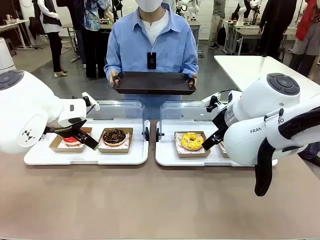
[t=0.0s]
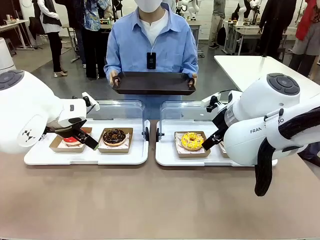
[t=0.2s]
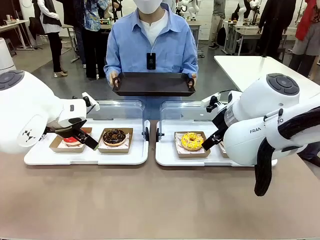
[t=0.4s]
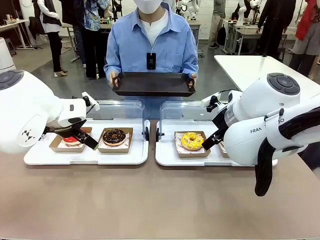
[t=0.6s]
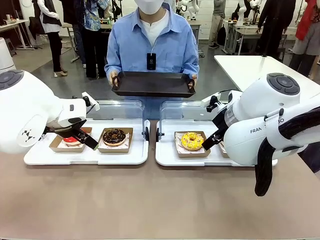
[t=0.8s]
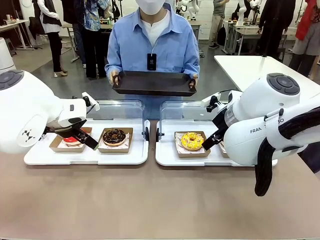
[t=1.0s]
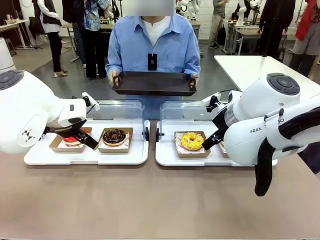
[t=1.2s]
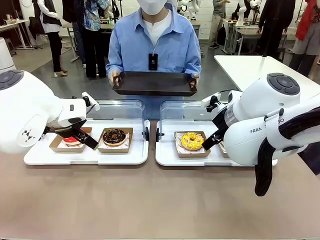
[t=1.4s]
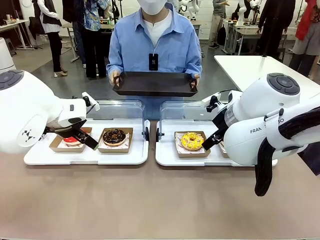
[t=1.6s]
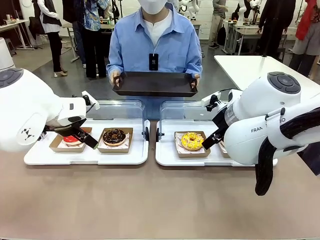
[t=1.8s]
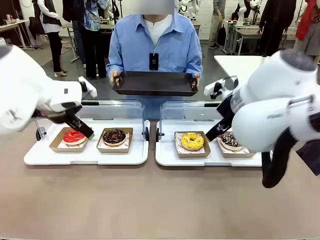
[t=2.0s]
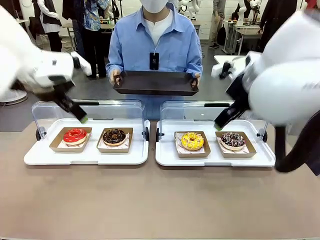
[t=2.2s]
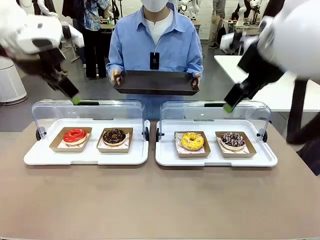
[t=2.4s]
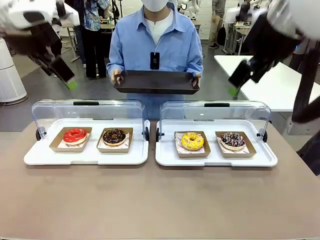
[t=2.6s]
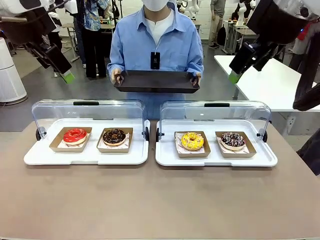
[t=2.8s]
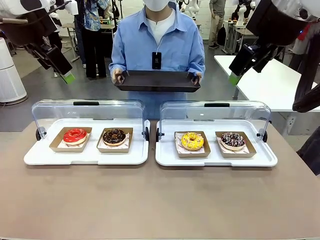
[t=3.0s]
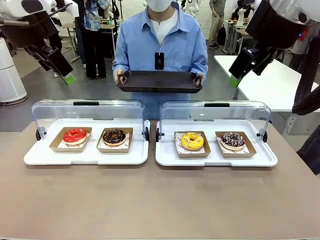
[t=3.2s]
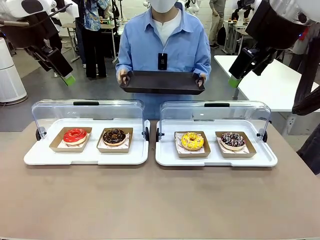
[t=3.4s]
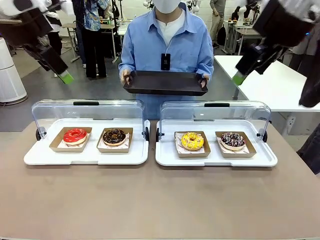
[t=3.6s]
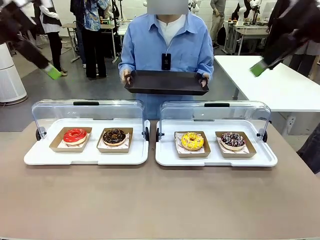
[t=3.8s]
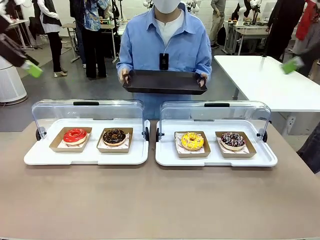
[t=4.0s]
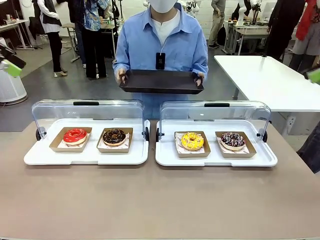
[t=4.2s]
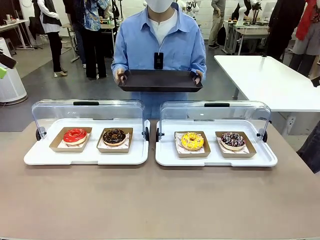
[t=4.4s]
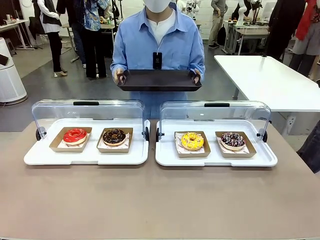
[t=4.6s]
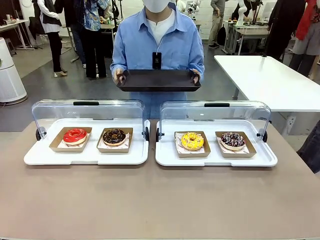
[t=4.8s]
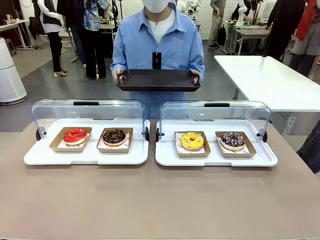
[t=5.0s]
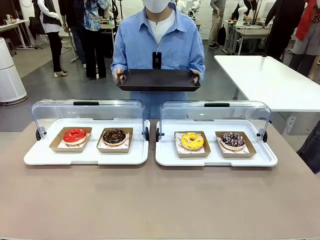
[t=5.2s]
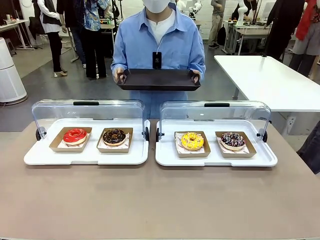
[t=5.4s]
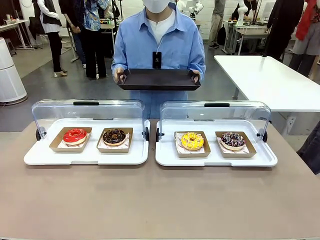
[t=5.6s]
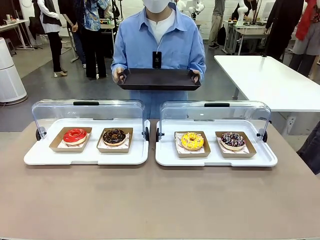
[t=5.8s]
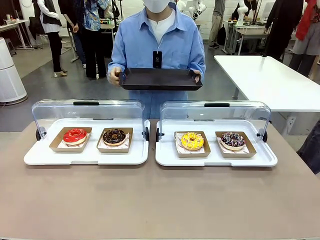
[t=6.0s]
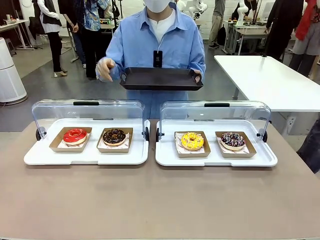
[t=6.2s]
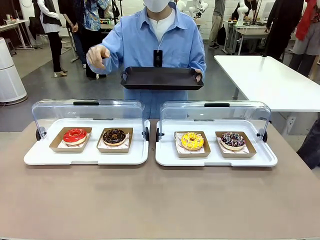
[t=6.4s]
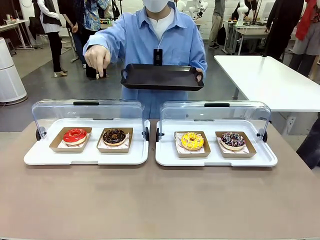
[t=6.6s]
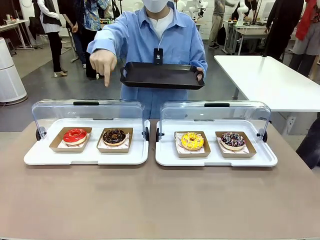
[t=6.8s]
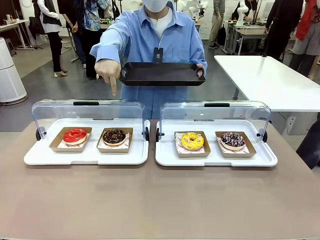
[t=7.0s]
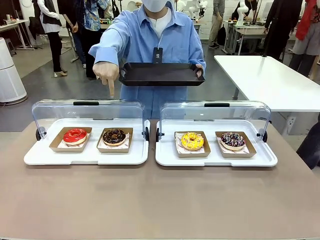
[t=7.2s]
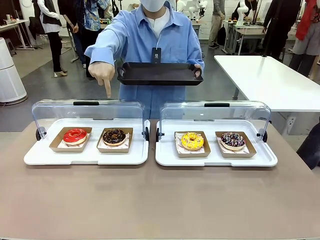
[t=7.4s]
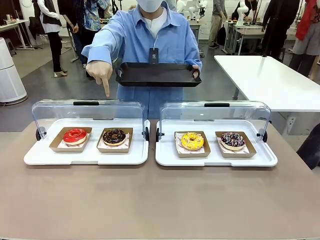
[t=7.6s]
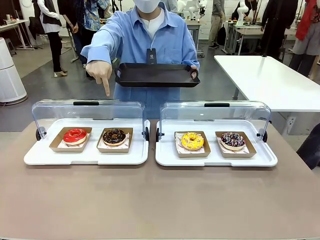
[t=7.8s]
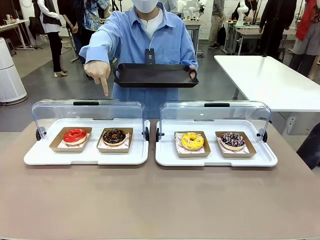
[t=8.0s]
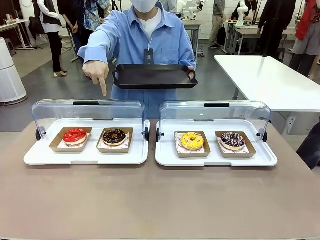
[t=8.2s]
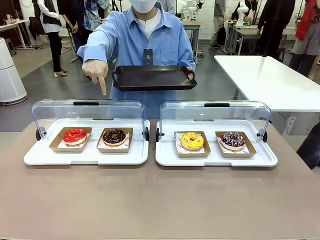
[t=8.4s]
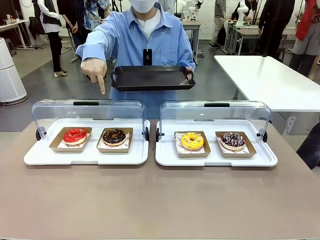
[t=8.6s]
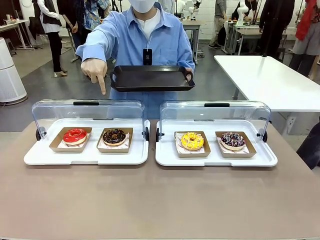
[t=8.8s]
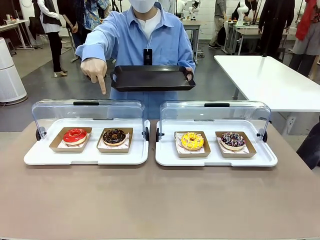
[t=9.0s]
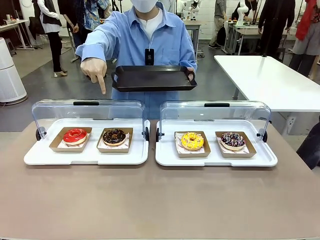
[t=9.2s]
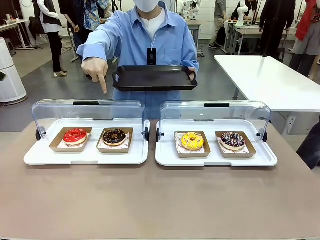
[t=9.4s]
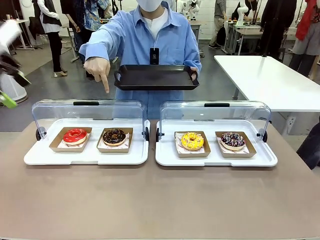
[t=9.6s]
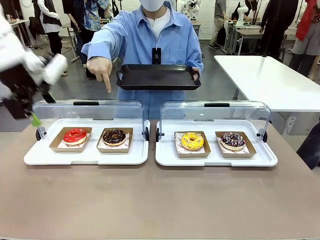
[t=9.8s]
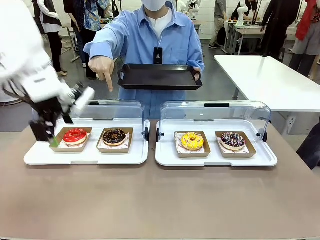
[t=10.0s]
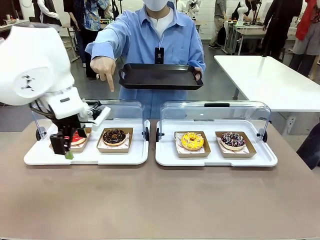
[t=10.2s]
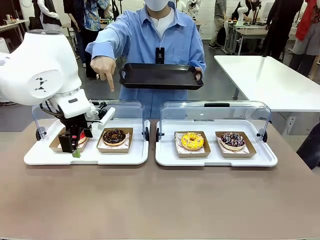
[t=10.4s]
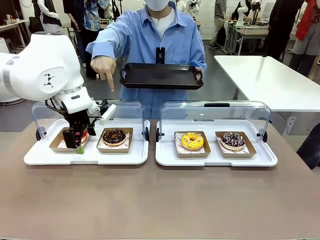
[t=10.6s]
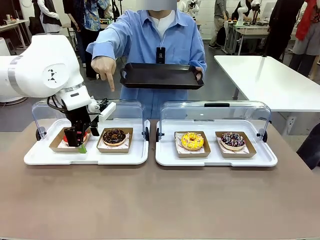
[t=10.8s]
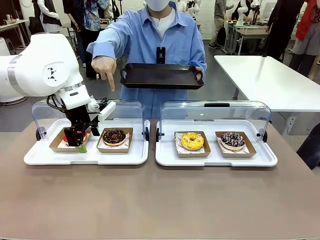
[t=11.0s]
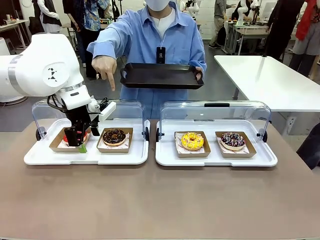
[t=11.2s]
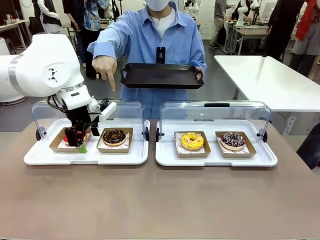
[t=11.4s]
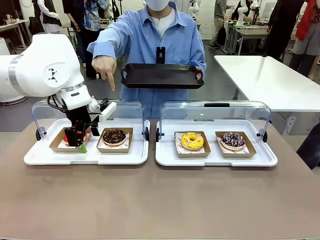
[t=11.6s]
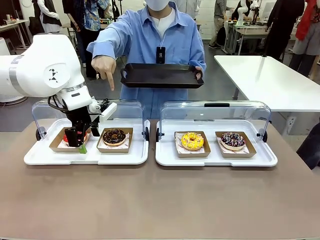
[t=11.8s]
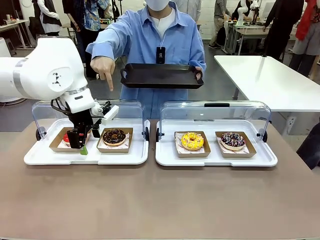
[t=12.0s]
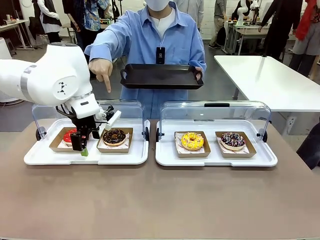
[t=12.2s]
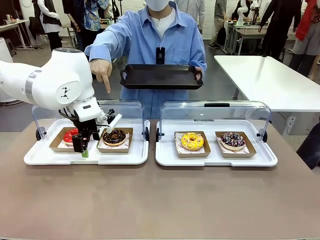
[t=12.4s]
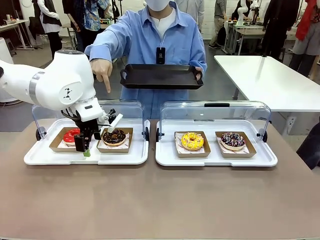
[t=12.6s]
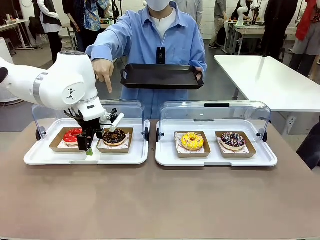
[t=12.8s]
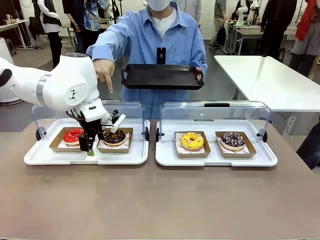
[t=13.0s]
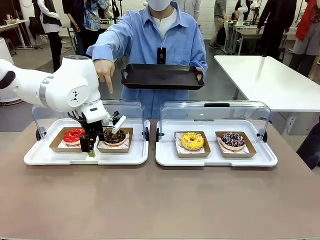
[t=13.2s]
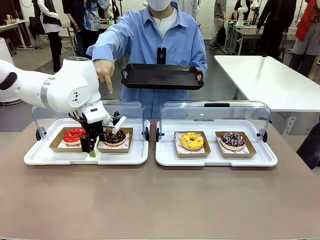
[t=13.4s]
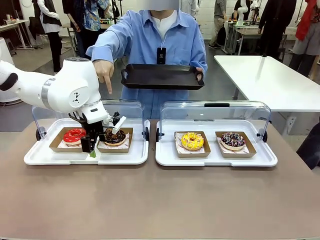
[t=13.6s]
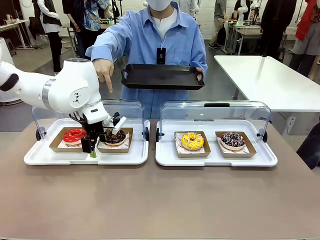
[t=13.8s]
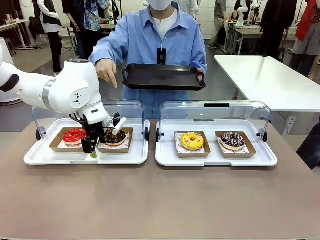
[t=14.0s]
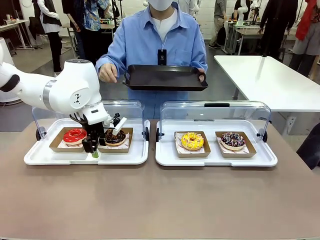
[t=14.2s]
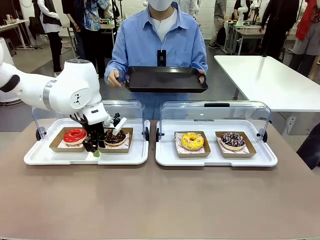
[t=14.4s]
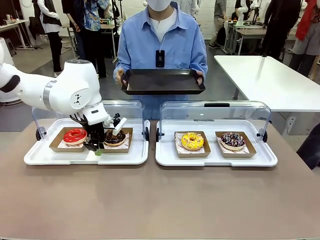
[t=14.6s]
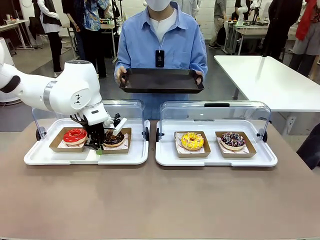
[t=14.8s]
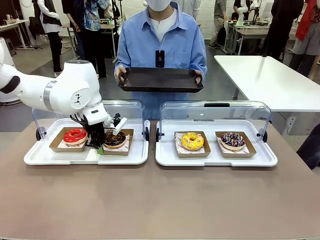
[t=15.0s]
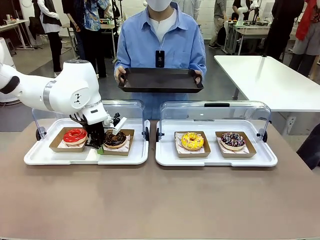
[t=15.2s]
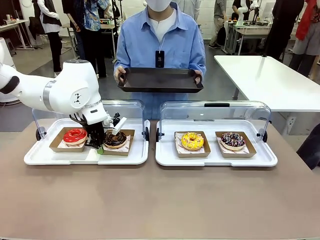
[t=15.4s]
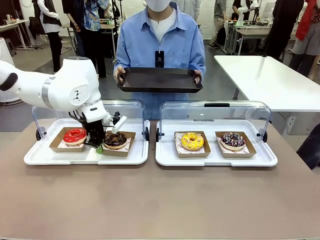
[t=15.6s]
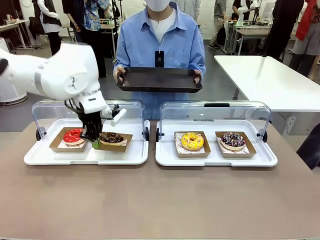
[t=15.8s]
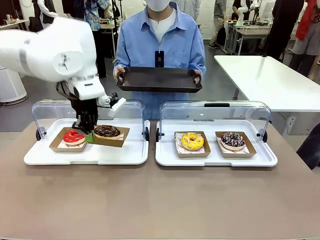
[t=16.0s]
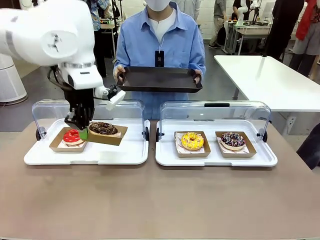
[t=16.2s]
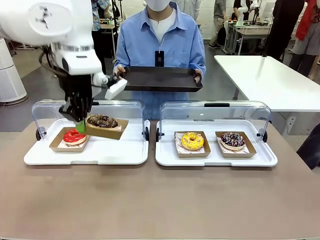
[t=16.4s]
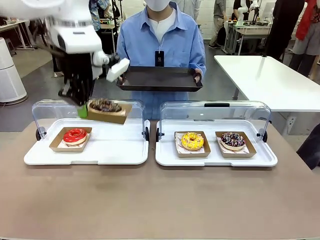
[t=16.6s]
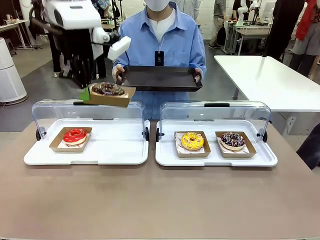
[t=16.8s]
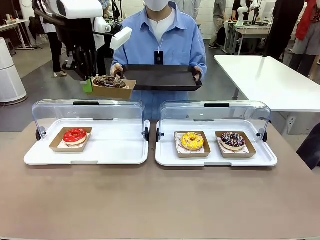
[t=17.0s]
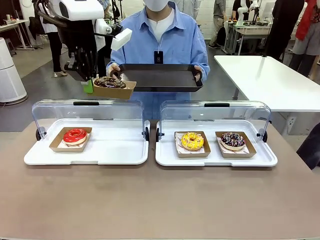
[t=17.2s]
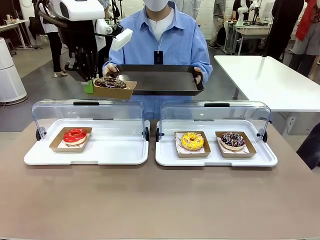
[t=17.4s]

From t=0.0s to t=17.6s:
Task: Provide the desired donut to the person.
Robot: Pick up and lift the Paper togo box containing the Donut pointed at by the person.
Person: Point to one donut. Lift the tray onto the Roll-Top Bakery Case.

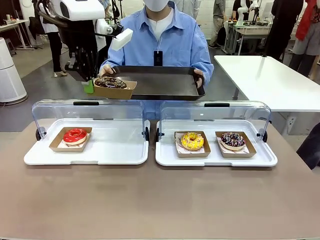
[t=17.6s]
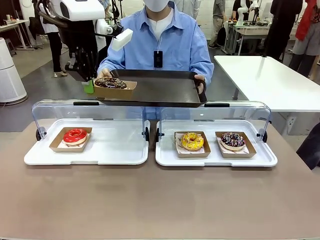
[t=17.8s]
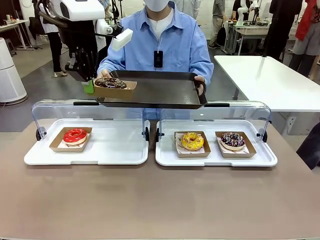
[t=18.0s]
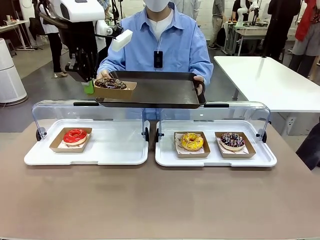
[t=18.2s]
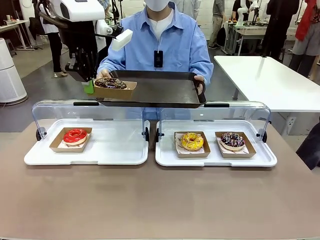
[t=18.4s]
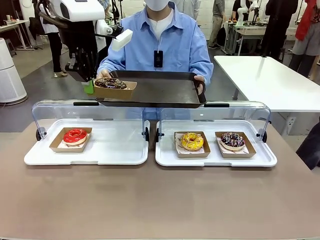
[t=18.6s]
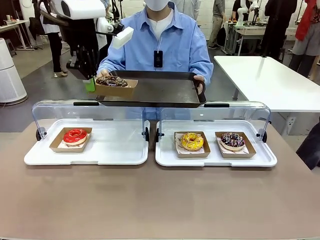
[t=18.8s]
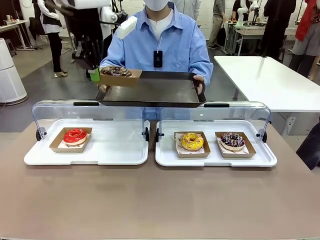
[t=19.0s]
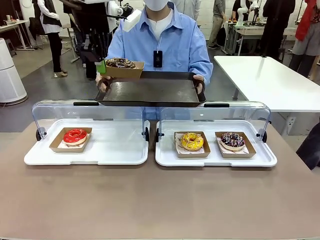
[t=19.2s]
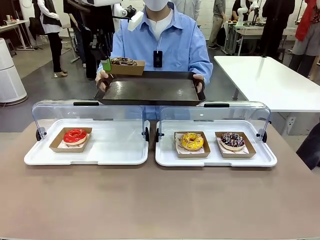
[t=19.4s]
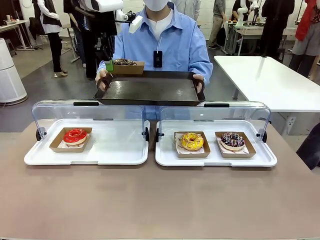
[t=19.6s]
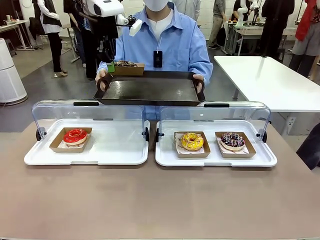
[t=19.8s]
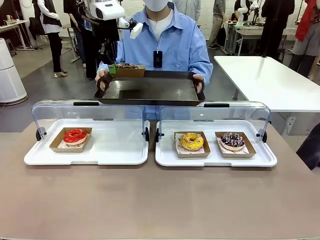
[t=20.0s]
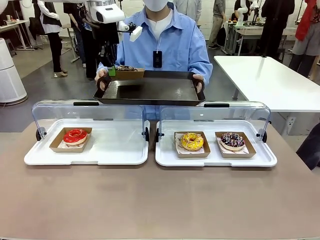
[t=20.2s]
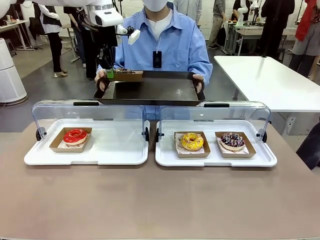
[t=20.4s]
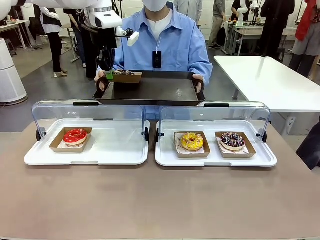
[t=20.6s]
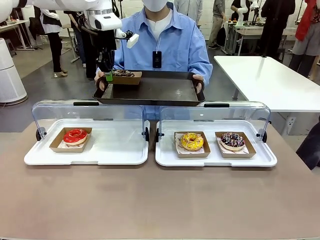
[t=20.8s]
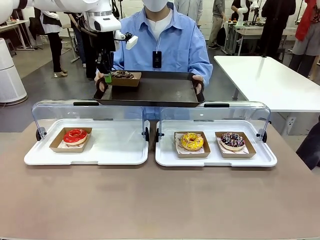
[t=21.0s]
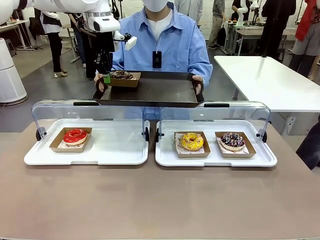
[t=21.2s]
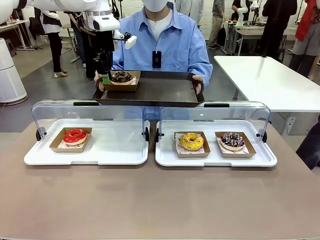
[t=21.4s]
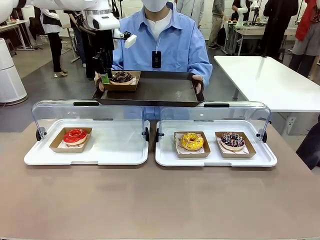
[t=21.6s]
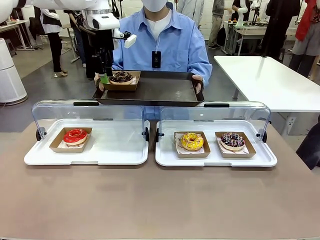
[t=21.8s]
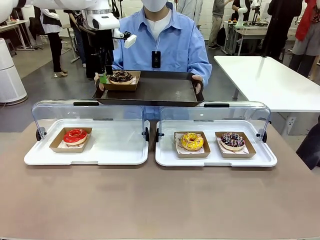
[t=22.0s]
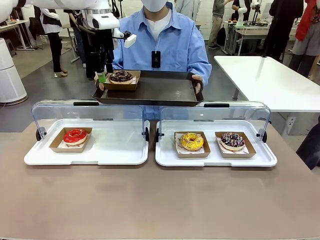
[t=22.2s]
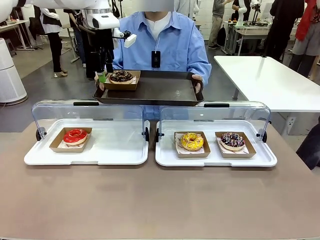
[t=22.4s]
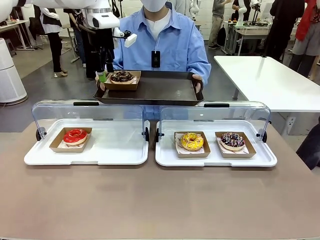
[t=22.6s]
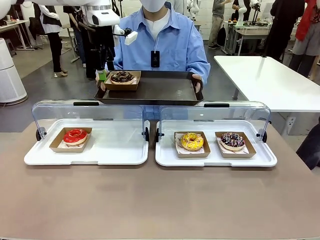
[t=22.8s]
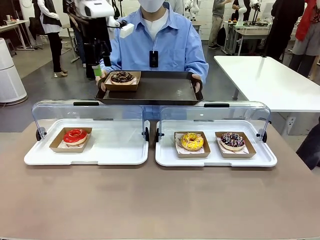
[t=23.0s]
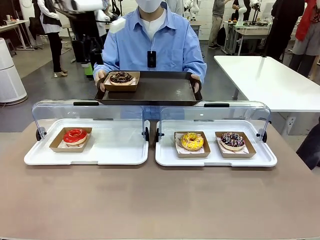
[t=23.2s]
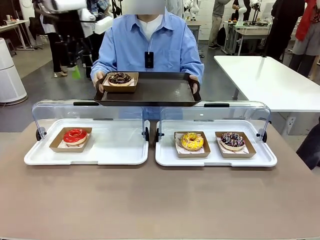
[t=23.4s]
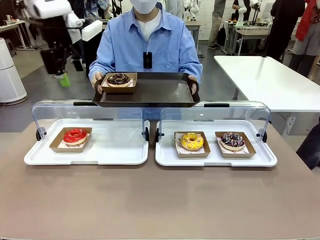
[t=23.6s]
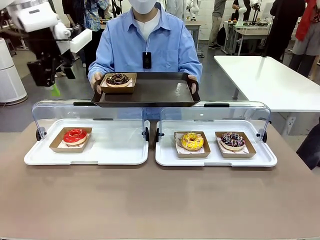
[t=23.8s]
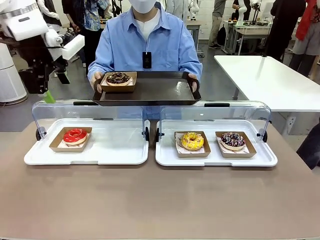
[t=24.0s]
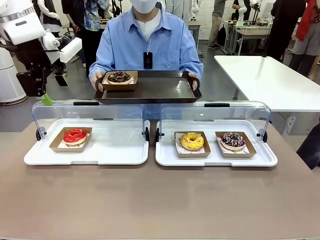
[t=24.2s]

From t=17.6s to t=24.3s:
Robot: Place the picked Paper togo box onto the Handle tray extended by the person.
